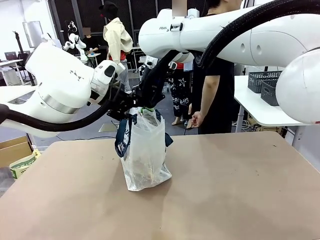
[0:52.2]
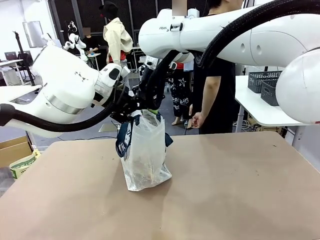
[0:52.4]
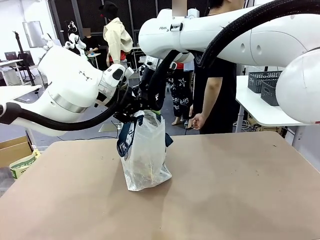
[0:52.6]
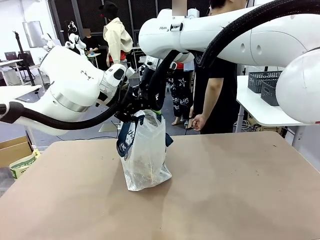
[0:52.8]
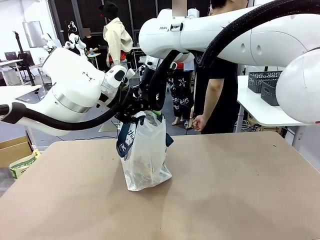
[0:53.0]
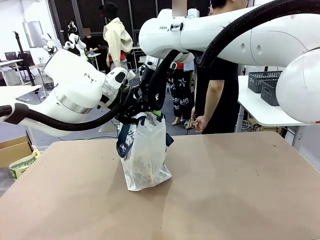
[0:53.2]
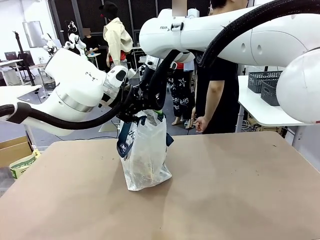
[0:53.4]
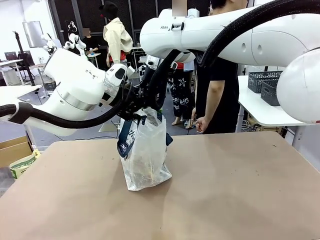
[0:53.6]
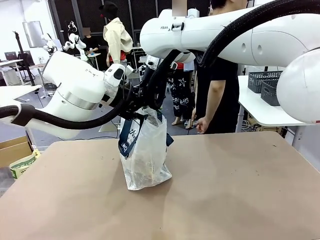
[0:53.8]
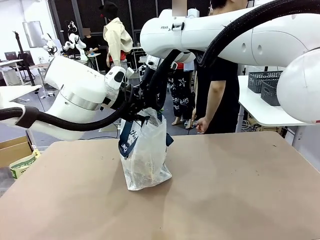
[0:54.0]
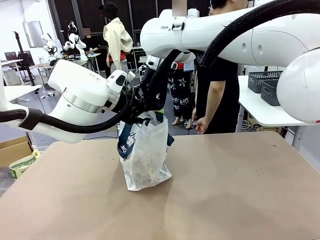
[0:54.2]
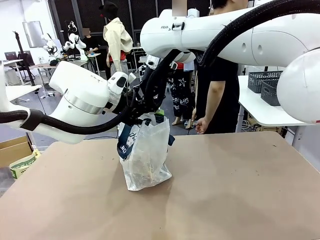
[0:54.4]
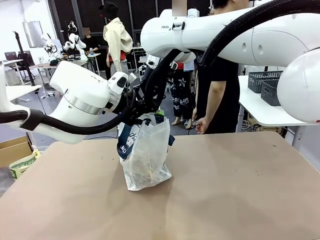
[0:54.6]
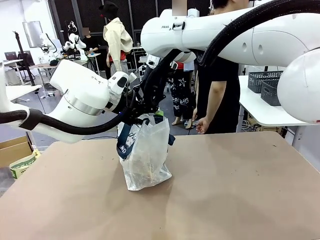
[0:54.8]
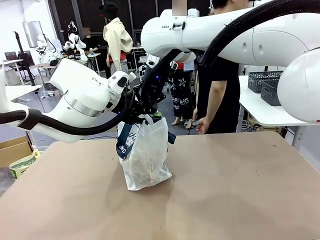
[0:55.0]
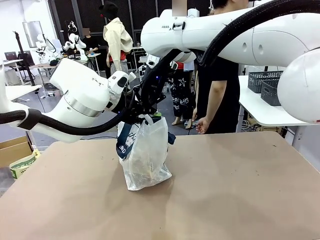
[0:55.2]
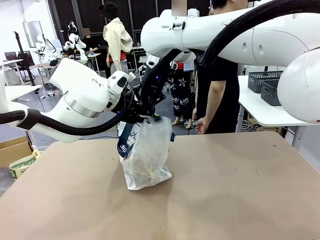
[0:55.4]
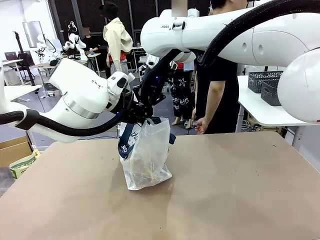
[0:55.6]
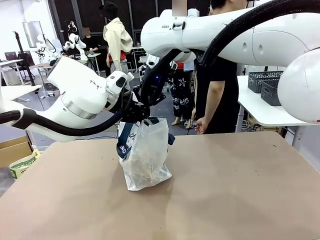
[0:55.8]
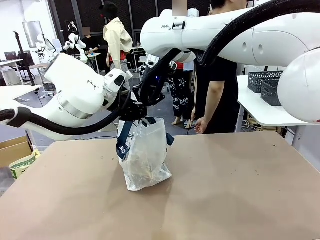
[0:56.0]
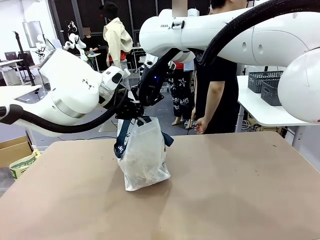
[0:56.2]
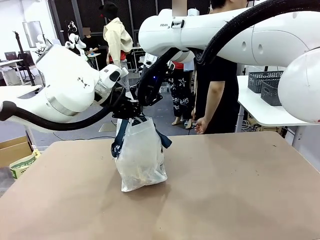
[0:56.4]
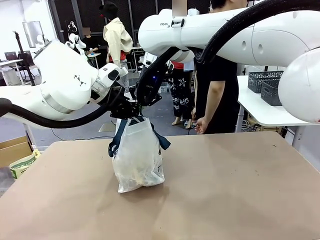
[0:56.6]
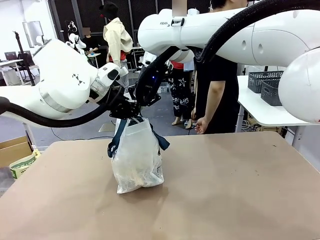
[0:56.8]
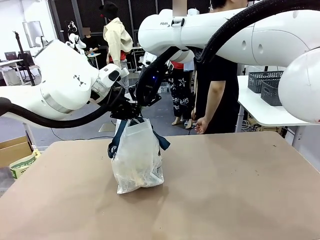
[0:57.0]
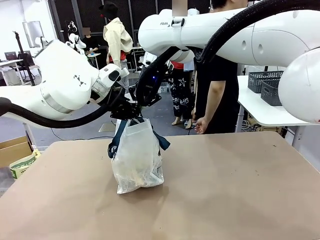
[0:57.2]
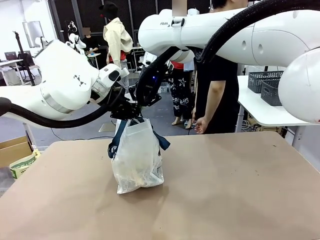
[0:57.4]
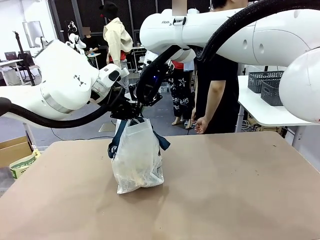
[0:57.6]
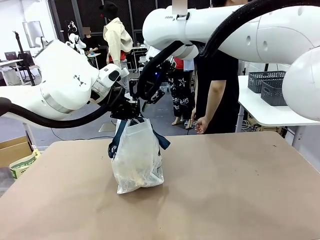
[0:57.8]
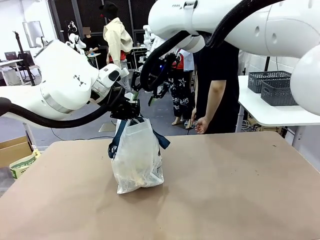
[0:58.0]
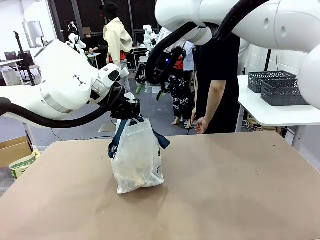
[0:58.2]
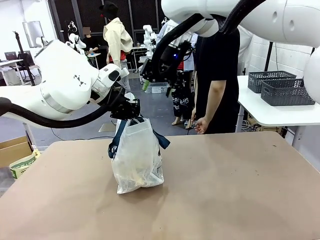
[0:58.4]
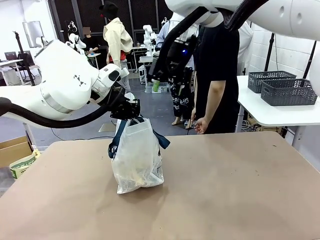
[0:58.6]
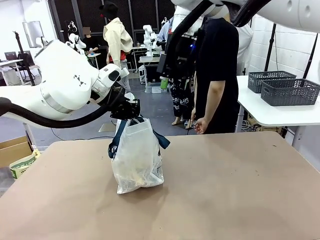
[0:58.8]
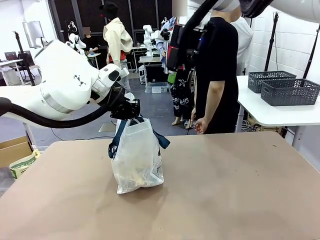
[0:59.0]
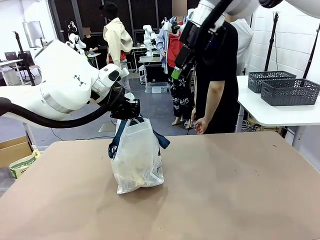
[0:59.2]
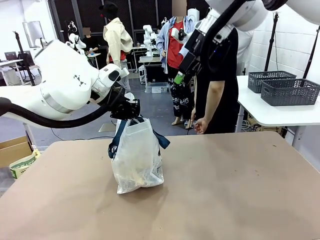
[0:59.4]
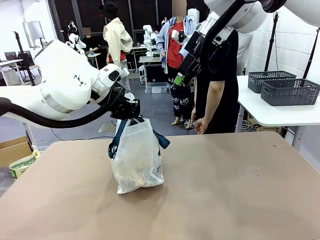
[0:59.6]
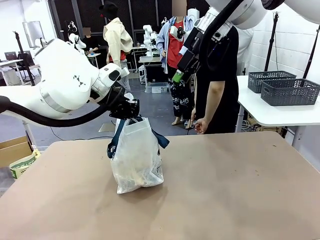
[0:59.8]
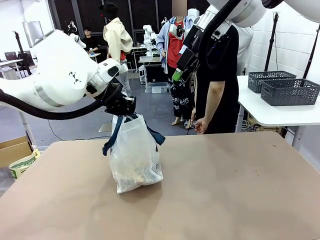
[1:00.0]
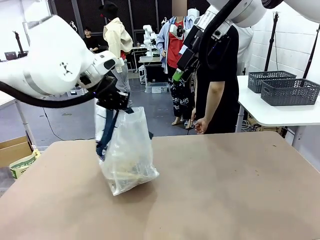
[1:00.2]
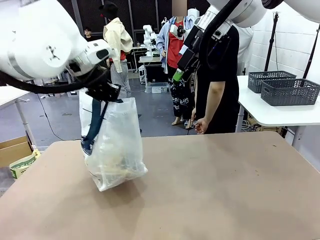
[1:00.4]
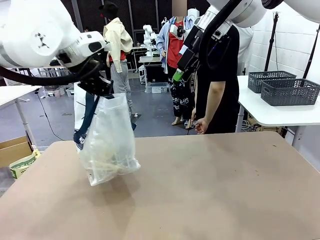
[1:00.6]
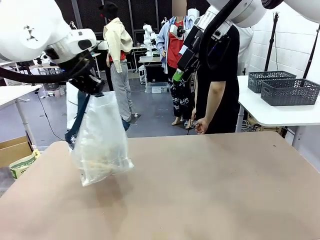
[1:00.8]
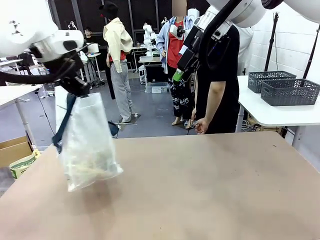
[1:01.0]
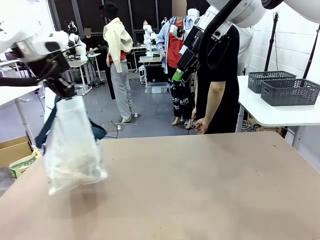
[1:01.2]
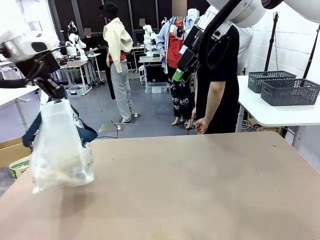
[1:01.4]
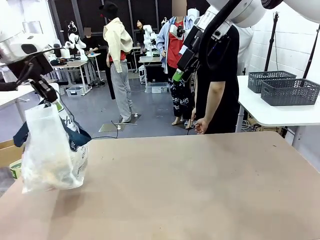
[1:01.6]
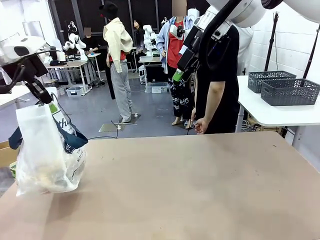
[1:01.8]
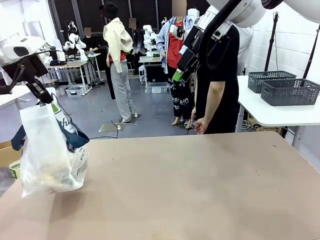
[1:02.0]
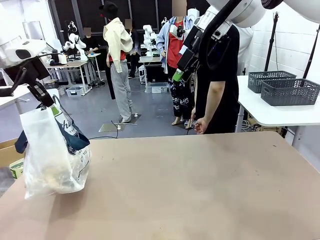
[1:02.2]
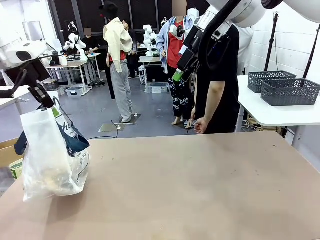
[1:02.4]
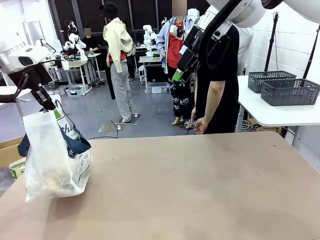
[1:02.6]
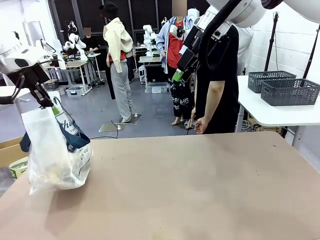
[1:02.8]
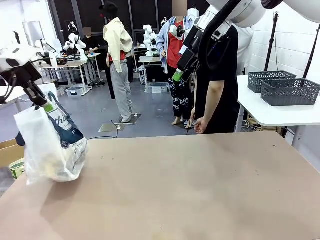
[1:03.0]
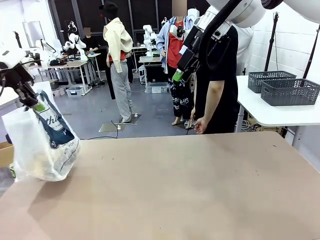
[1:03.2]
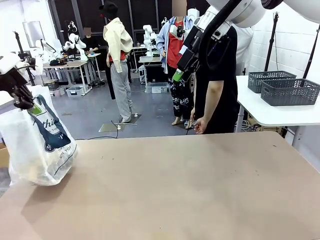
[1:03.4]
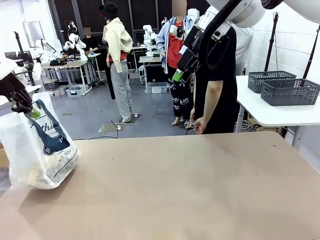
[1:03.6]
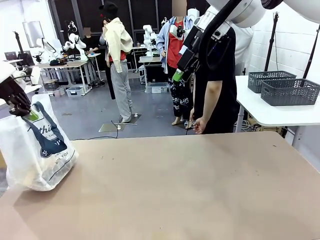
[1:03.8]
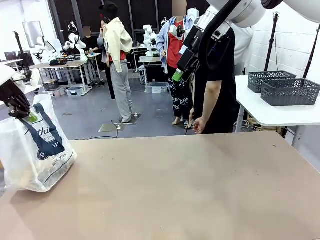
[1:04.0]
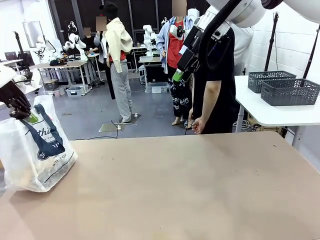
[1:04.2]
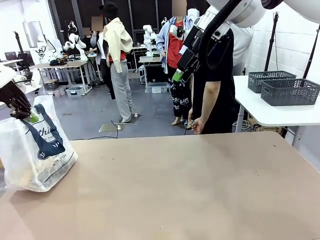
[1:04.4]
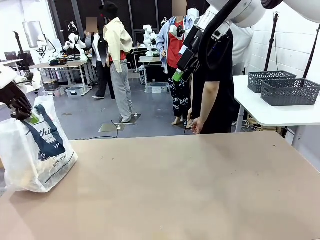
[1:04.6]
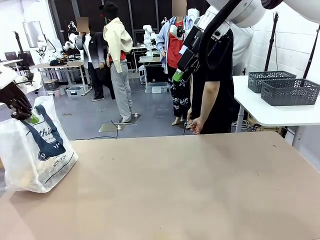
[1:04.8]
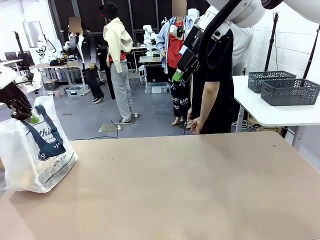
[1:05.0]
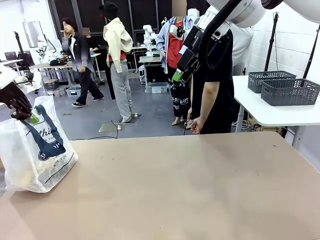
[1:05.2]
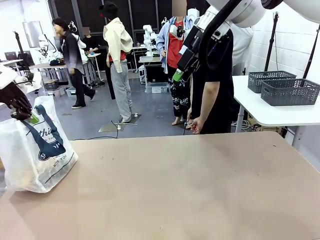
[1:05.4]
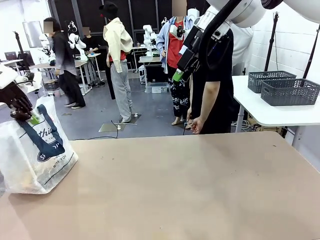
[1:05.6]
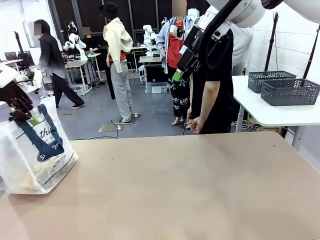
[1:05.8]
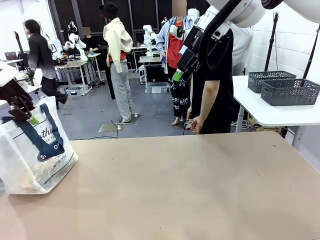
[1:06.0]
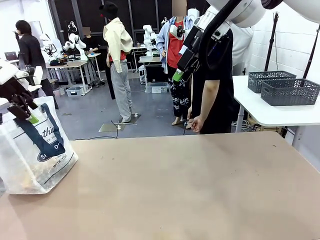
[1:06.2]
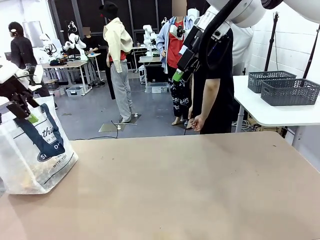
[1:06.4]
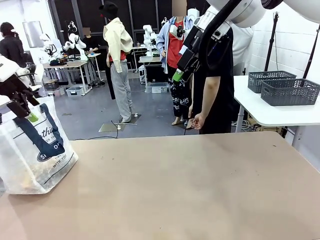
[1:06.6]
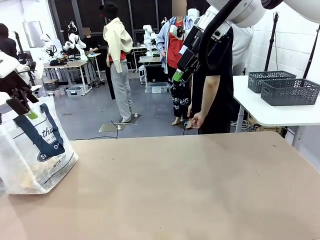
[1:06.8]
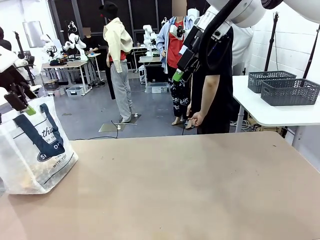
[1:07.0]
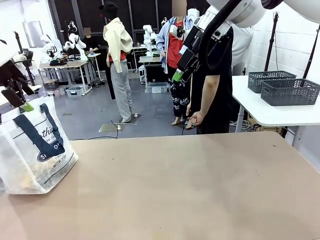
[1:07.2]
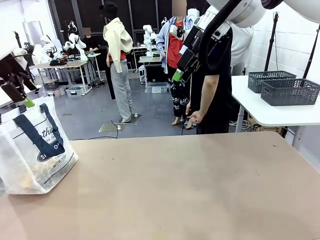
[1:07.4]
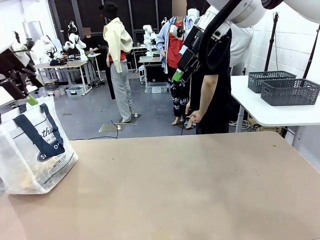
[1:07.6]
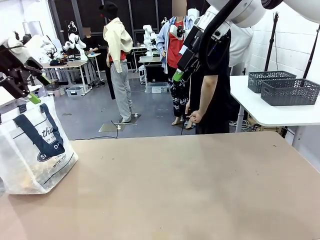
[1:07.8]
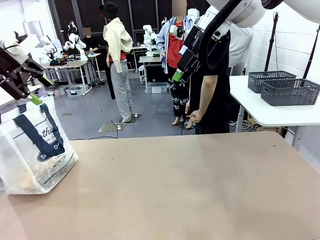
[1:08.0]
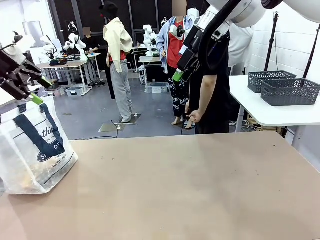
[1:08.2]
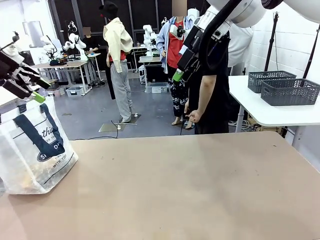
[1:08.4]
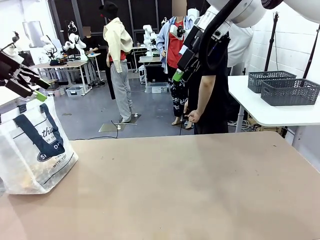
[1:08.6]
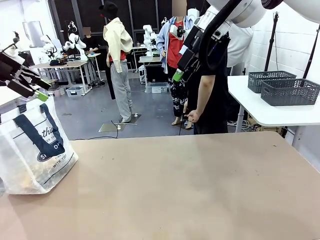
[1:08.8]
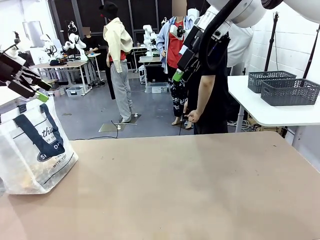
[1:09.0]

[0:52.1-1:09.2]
Task: Transfer purchased items from the store into the shopping bag.
Robot: Move the Reusable shopping bag to the right side of the table.
Person: Move the basket on the left to the middle of the person's table.
